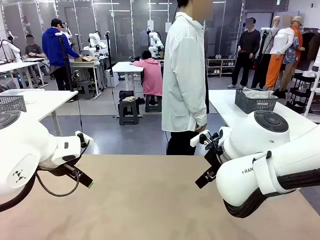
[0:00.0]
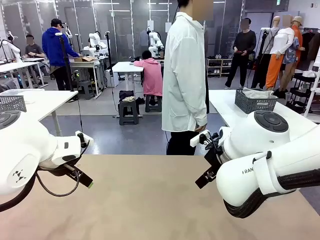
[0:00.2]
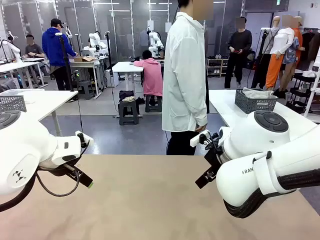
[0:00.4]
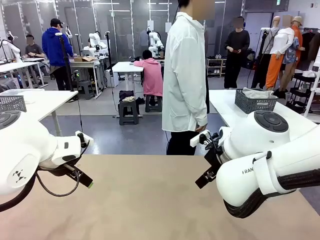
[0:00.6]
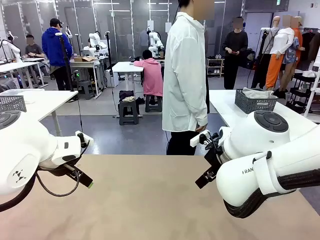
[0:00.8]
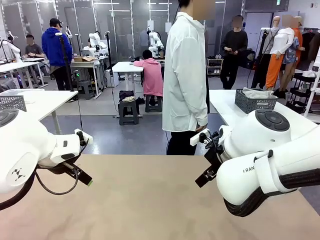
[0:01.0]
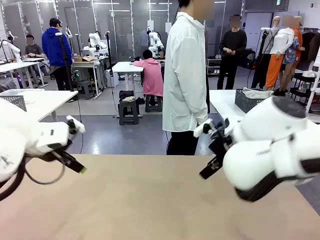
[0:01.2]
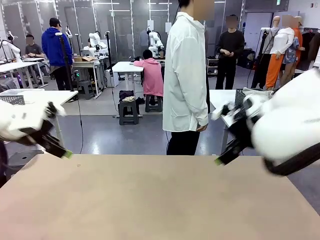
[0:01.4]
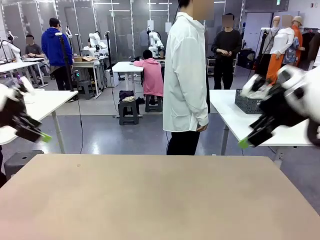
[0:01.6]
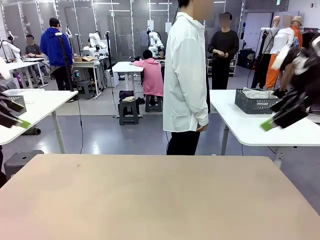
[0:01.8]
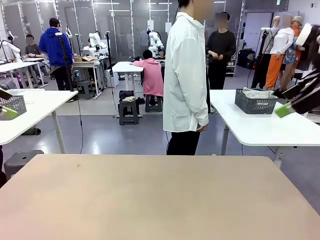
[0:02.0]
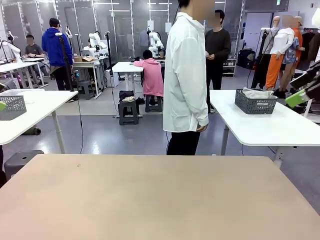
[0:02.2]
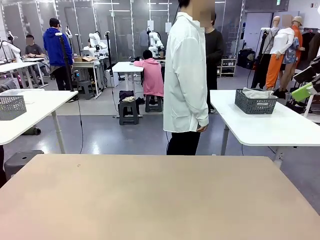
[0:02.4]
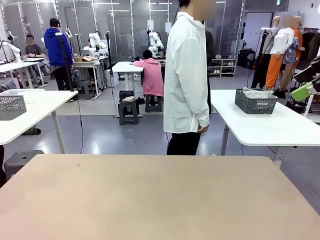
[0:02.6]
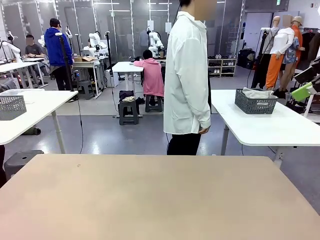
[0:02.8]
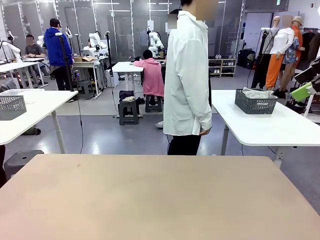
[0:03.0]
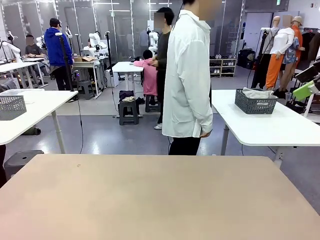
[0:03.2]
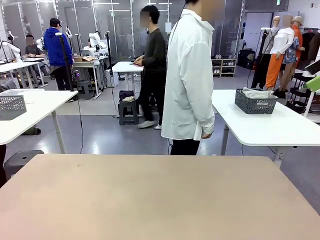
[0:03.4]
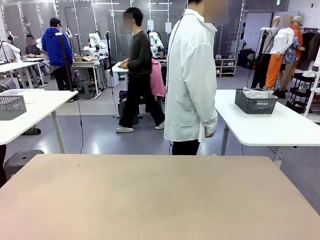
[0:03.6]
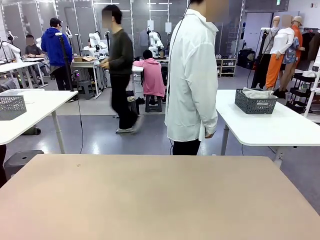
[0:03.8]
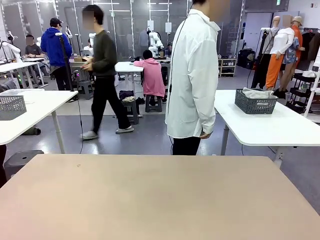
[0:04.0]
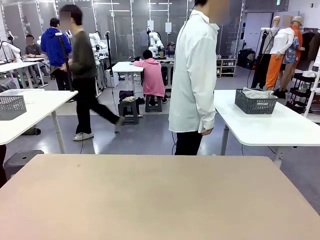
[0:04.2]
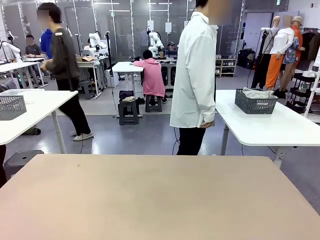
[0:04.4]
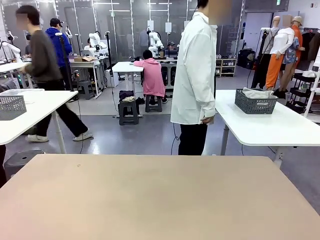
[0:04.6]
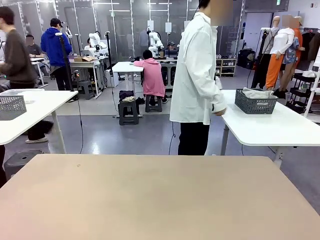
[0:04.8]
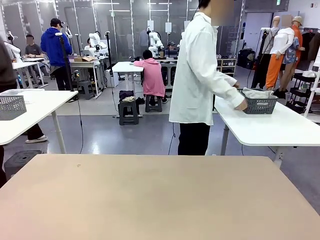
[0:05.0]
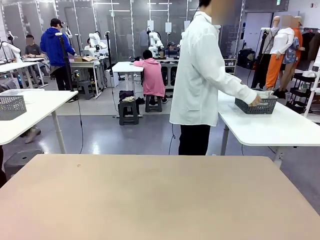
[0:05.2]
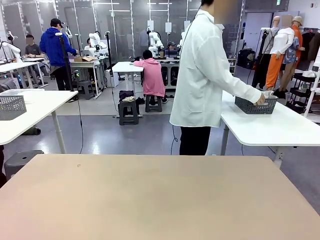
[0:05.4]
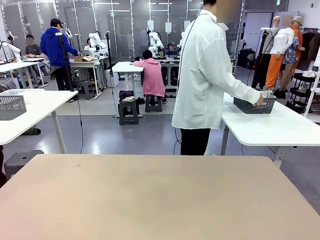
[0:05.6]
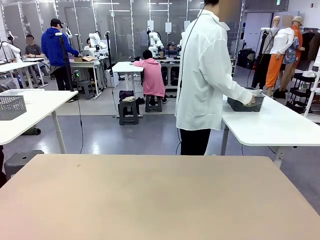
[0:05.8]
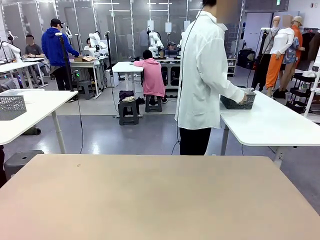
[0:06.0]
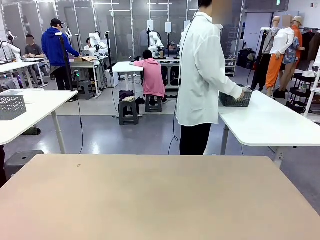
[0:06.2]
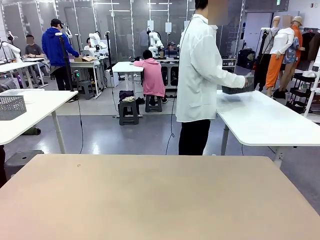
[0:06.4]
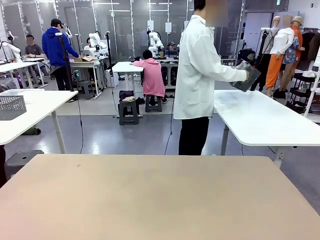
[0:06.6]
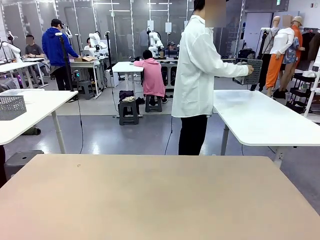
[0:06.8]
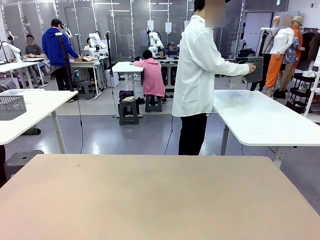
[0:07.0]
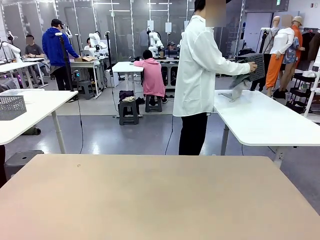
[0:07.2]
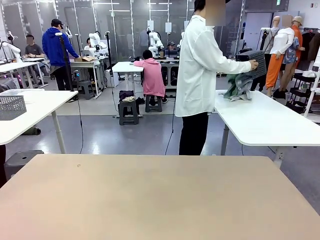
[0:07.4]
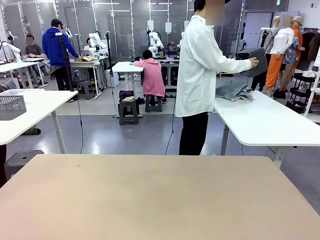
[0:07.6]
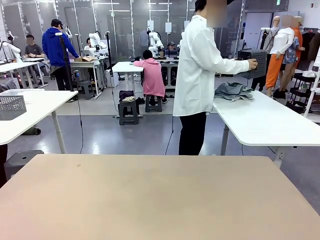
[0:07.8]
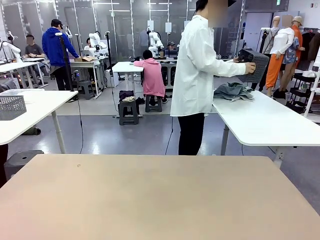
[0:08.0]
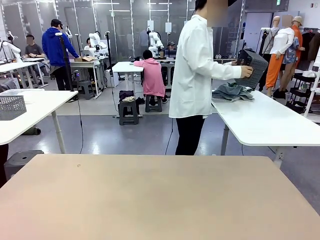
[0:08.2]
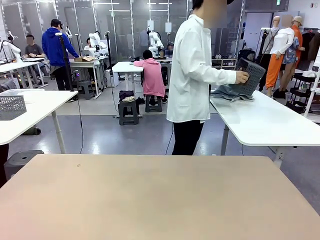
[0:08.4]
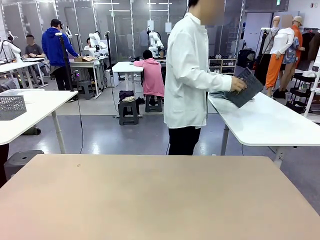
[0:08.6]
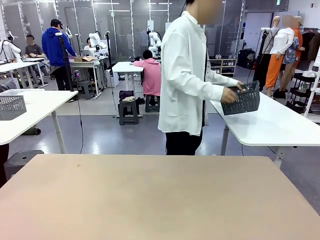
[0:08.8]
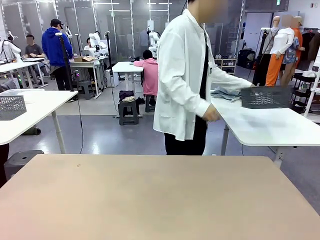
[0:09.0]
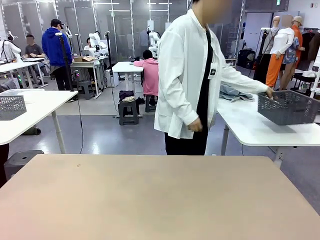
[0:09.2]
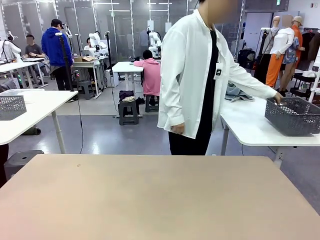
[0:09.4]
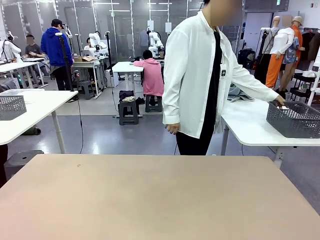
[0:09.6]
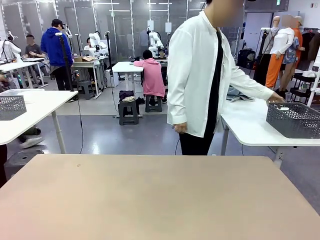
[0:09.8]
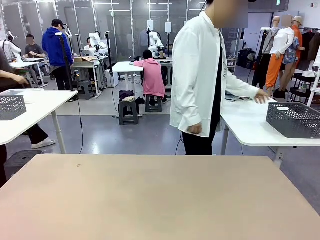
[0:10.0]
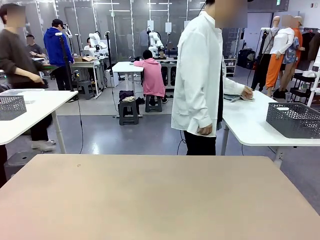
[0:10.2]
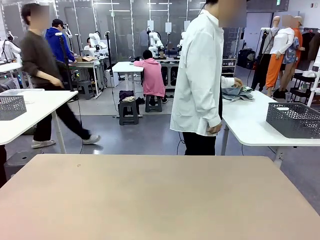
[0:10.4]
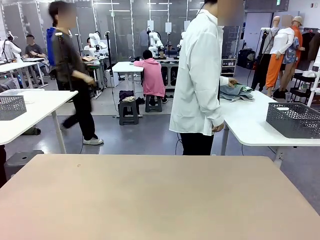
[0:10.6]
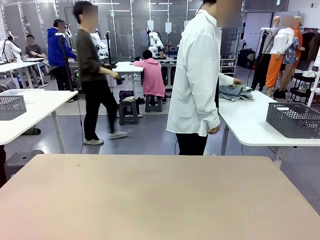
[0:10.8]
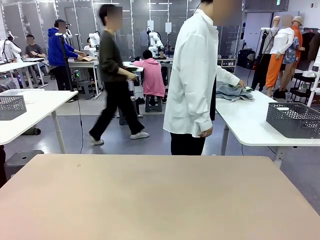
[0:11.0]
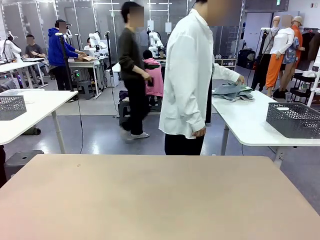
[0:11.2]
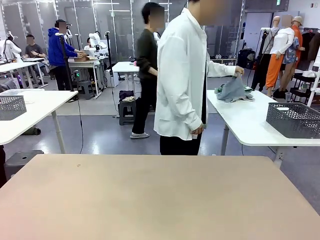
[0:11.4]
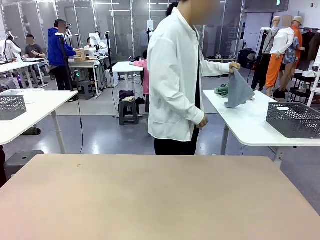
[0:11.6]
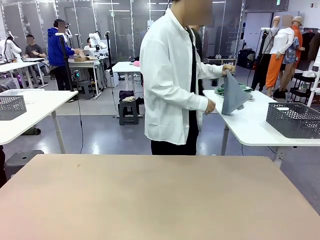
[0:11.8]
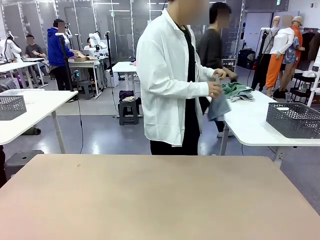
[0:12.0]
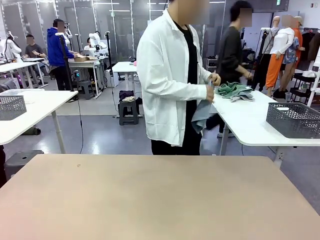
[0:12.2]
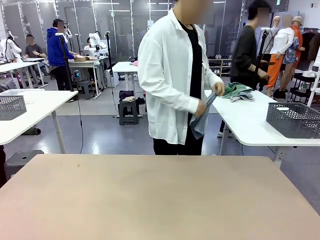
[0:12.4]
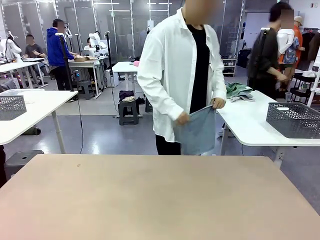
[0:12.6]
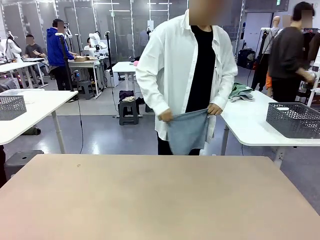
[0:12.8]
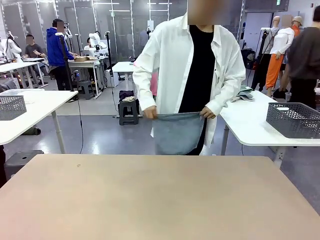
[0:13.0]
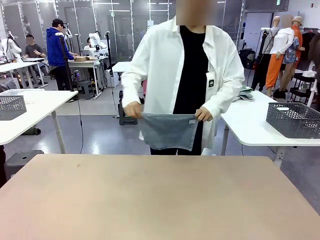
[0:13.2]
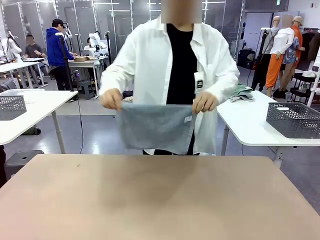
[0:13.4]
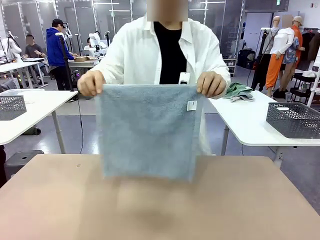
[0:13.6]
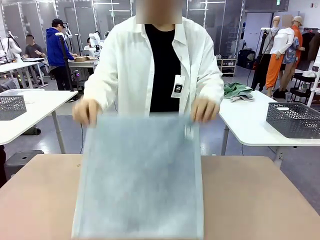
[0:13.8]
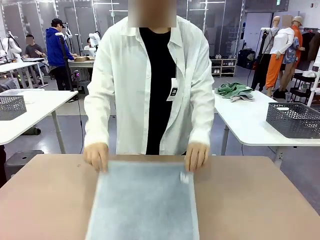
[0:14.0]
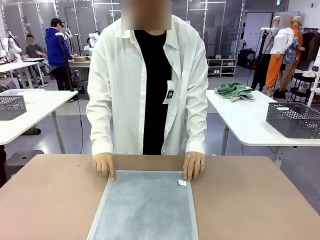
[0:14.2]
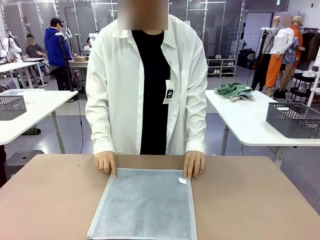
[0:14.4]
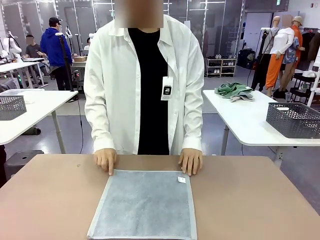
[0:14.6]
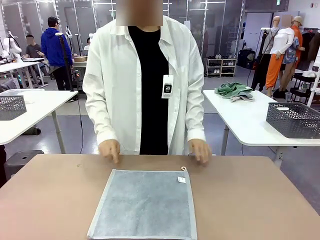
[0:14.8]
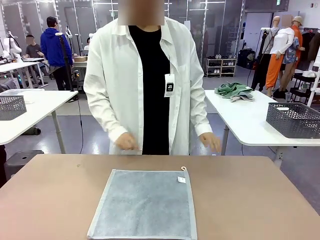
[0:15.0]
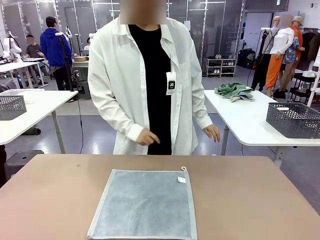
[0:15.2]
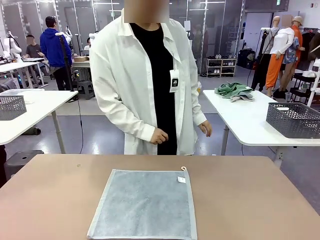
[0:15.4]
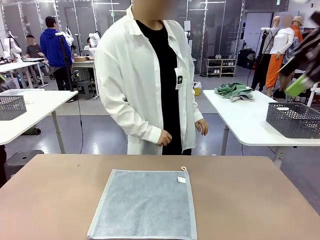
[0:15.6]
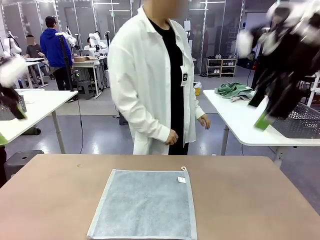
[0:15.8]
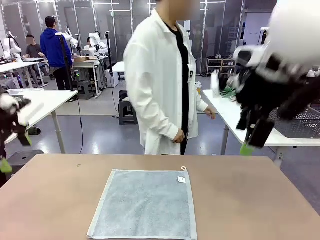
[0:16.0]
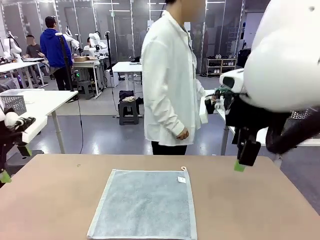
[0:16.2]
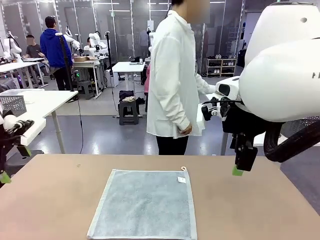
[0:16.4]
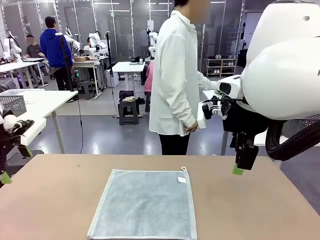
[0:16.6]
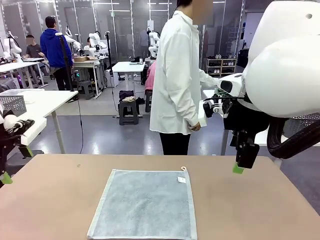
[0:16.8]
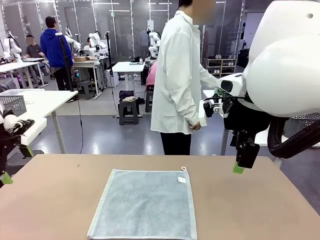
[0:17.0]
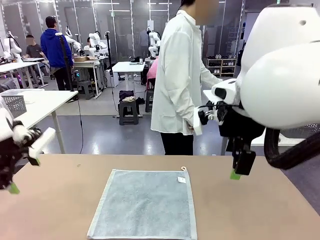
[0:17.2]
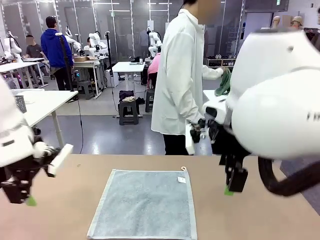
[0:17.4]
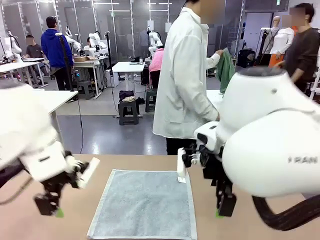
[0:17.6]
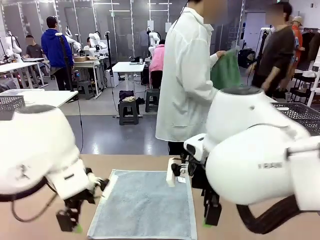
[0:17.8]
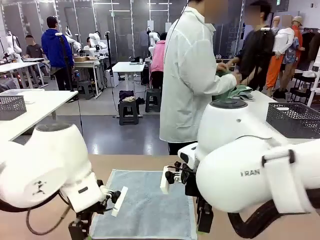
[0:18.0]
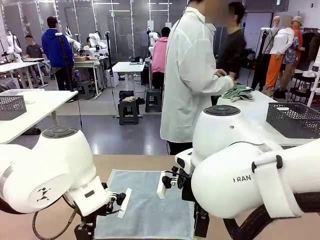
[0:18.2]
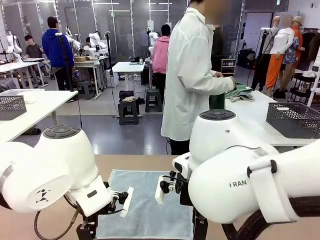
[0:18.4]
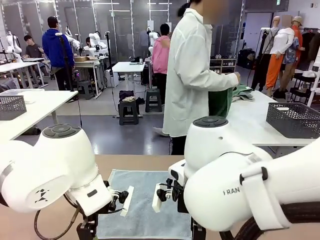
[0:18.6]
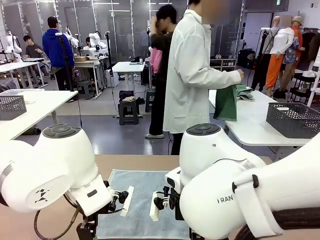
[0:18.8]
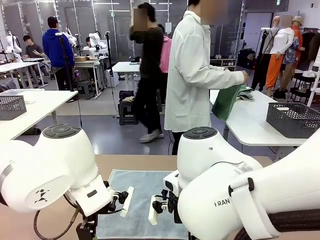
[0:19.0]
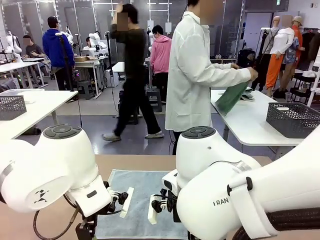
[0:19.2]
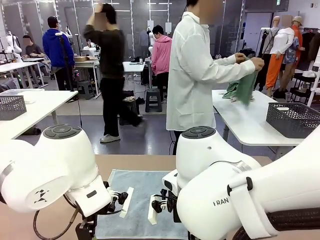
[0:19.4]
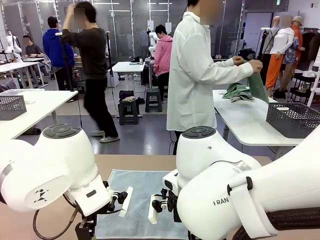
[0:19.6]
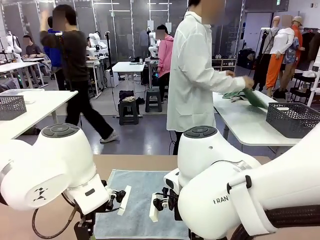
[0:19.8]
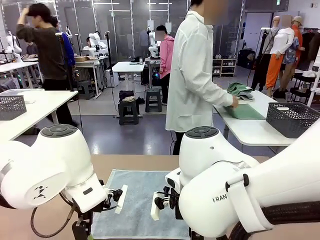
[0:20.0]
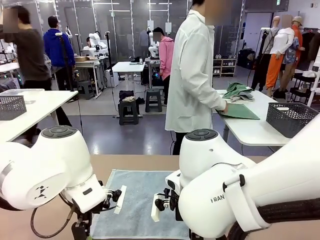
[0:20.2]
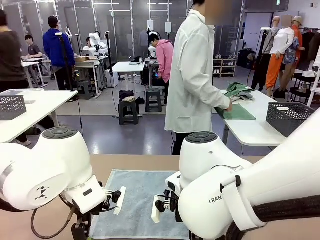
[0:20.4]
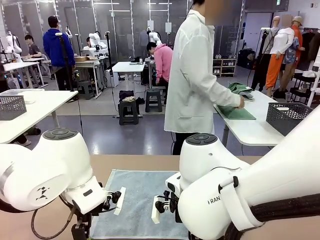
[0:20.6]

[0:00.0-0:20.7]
Task: Fold the towels and place them in the basket.
Robot: When a person lays out a Towel with hook on the table, fold it in half twice.
Person: Pick up the basket, pour the towels onto the left side of the human table, and place the basket on the right side. Pick up one towel and spread it out at the center of the robot table.
